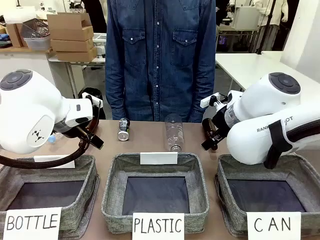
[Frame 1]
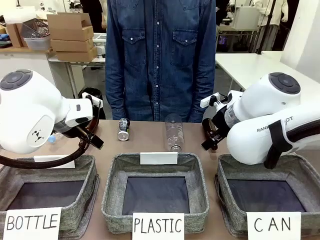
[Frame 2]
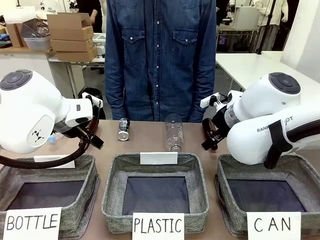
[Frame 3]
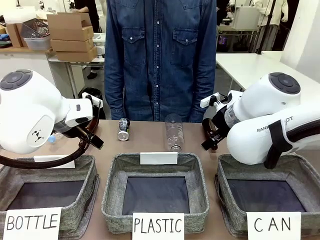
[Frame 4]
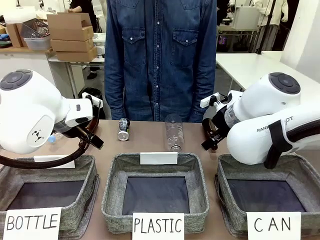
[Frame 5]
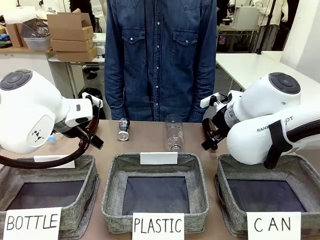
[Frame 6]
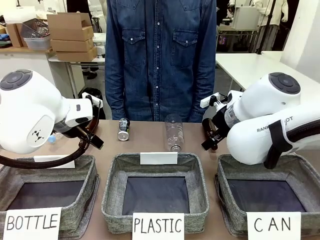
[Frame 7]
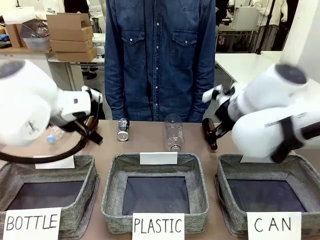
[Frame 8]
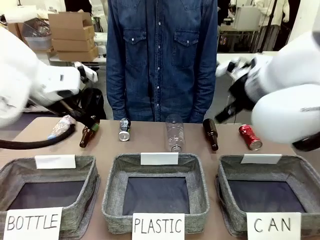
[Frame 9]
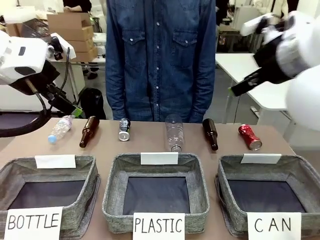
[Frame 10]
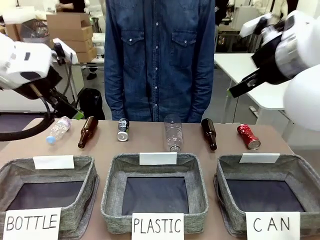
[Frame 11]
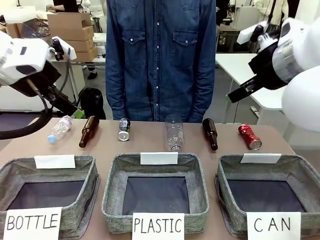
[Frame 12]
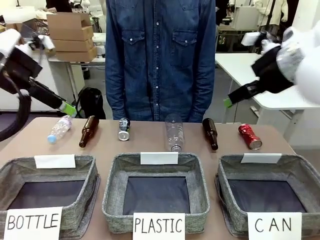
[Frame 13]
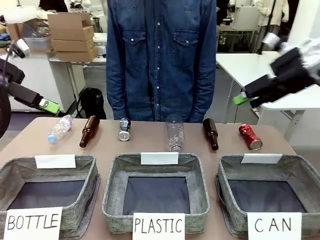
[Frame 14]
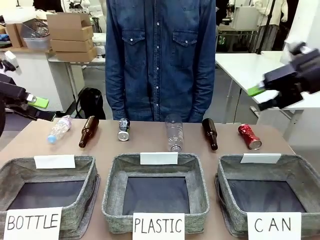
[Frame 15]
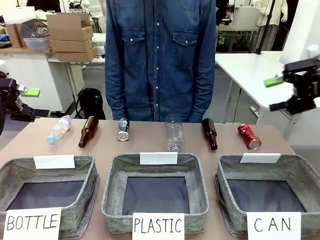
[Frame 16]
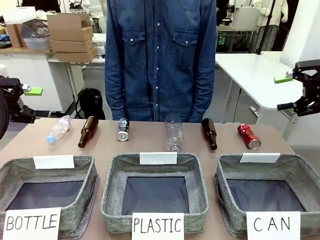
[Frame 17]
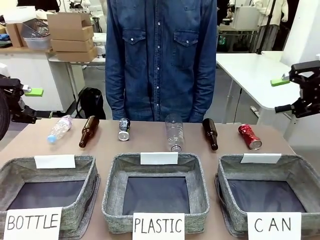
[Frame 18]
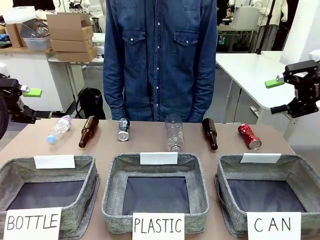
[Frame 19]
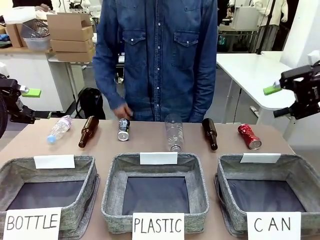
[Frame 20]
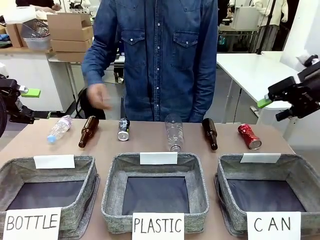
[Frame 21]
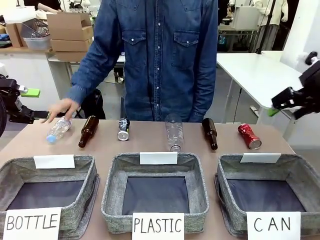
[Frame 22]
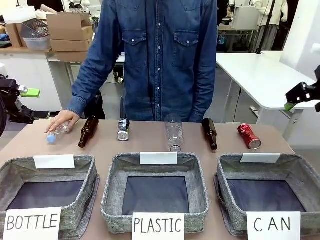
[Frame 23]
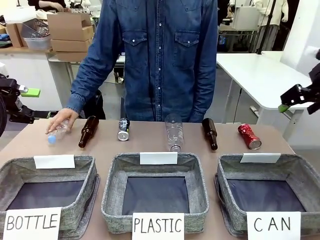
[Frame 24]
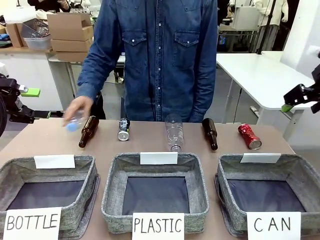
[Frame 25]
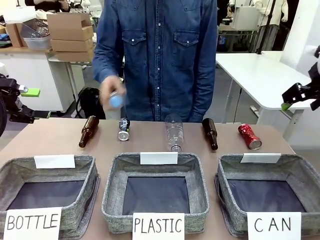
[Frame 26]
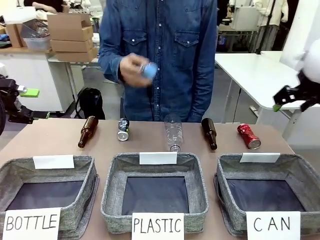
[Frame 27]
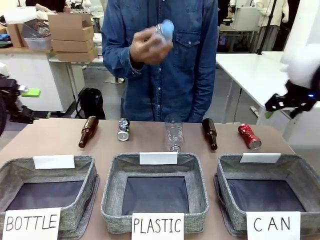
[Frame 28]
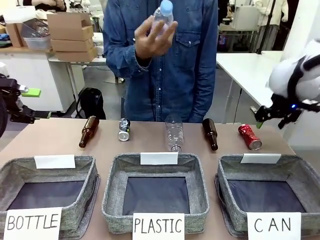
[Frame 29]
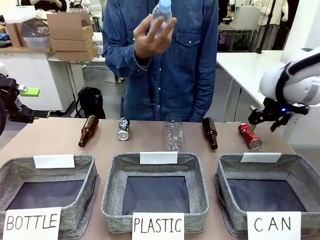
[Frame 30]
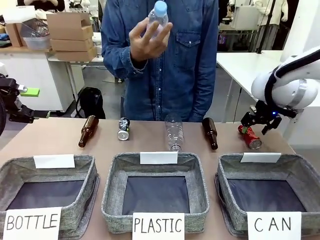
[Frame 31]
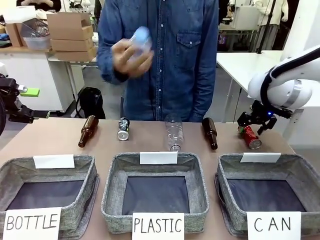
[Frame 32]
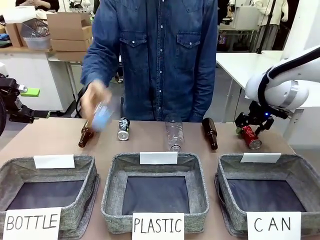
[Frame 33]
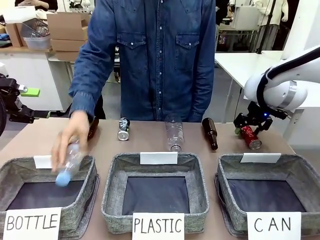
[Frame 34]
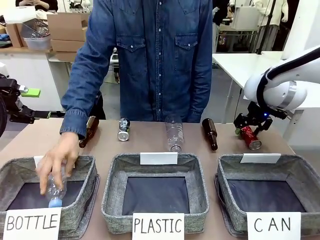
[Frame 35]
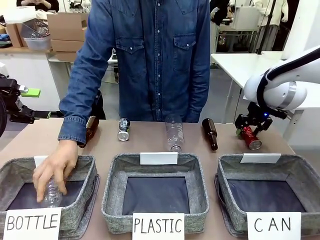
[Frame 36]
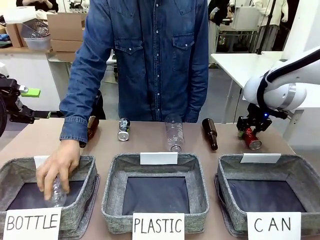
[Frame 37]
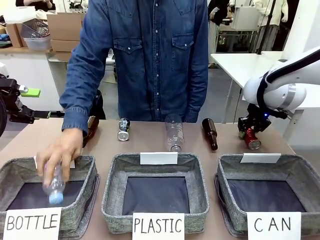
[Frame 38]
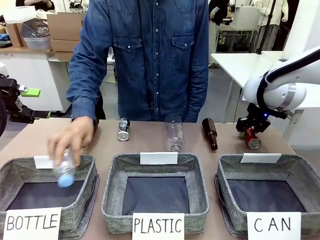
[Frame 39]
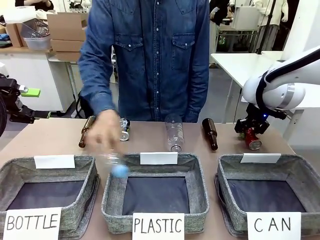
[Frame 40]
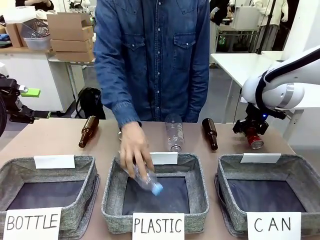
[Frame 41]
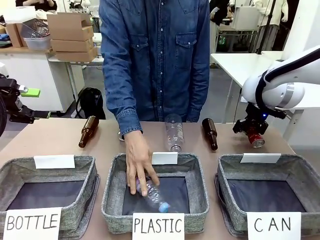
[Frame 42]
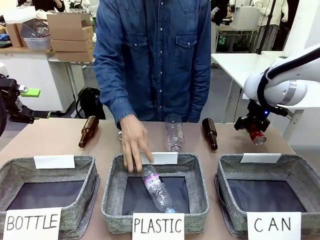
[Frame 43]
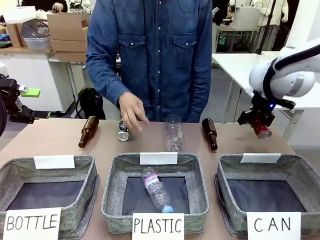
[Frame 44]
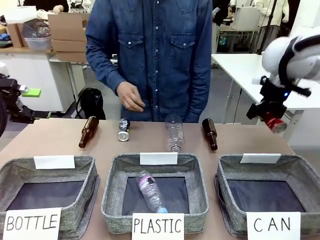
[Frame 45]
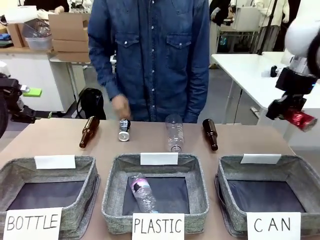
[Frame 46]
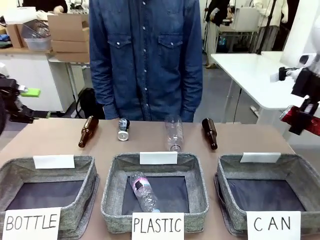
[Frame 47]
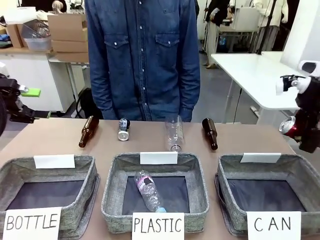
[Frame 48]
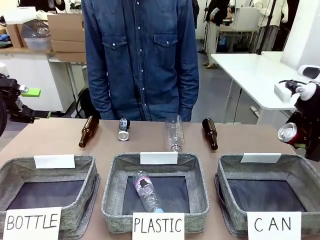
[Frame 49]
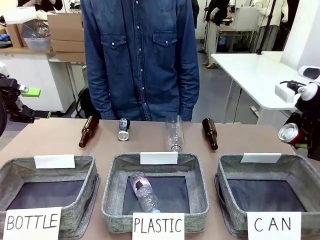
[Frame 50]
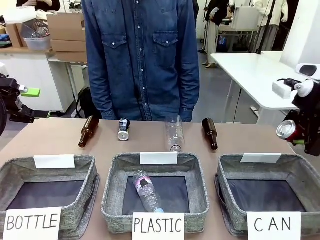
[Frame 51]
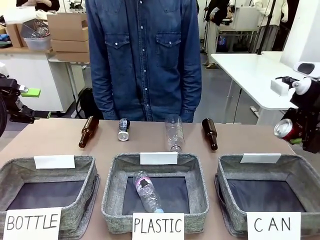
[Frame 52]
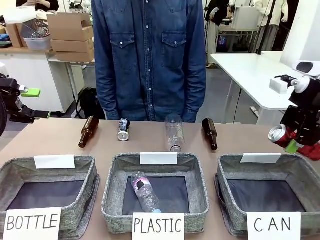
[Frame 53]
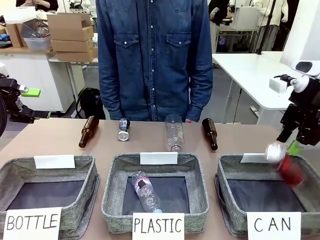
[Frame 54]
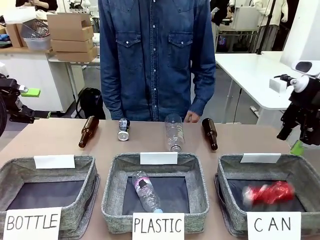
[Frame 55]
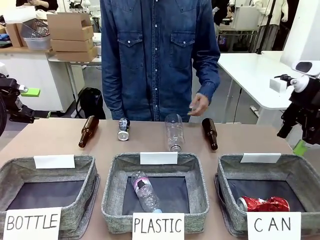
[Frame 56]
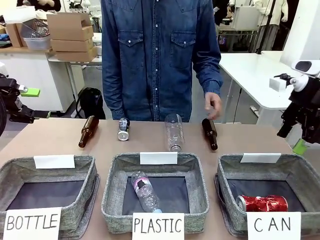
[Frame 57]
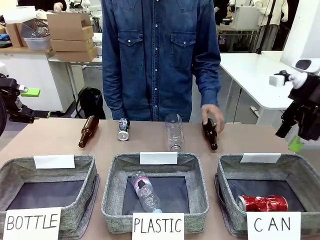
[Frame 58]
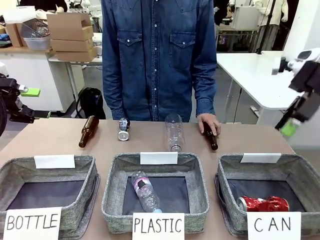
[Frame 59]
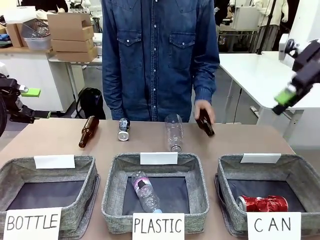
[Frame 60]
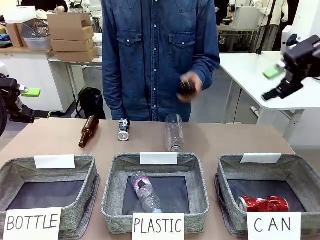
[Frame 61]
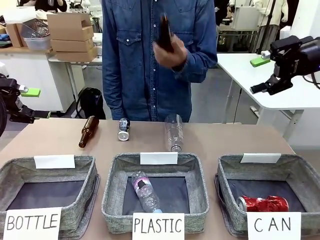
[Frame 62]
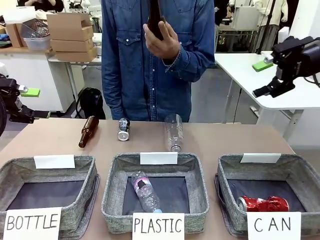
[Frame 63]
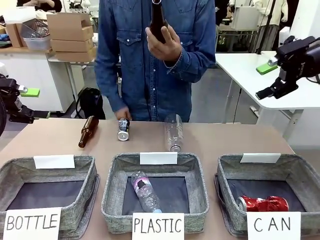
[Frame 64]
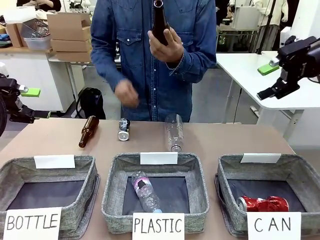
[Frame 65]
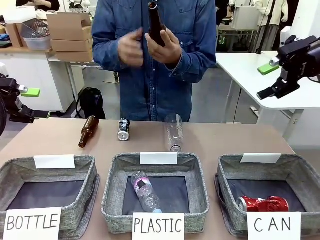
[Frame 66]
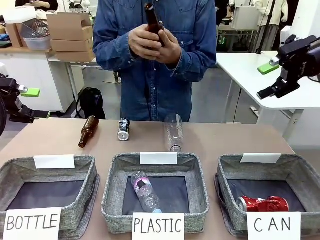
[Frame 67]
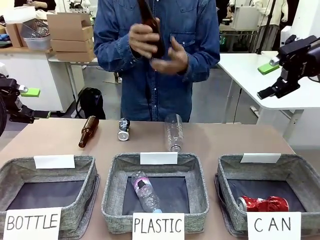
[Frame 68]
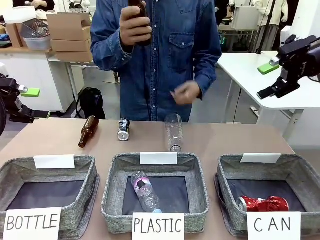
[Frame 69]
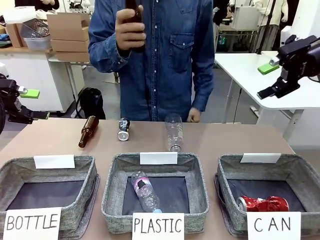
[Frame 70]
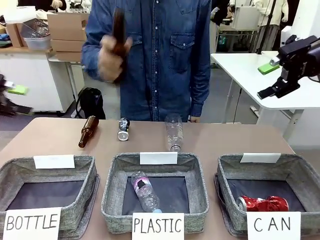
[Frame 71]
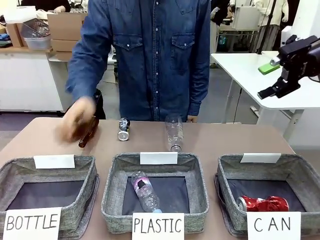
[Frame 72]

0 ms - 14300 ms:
Task: Sort the can waste into the basket.
Robot: Pick up the can waste from the table and place it in the right Fabric basket.
